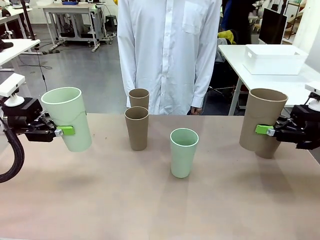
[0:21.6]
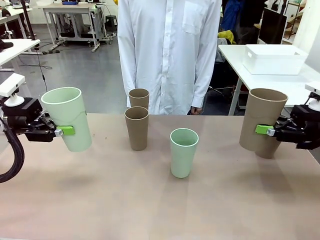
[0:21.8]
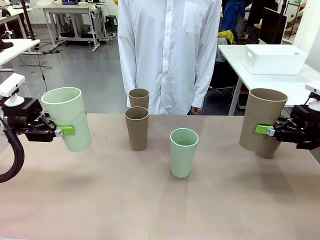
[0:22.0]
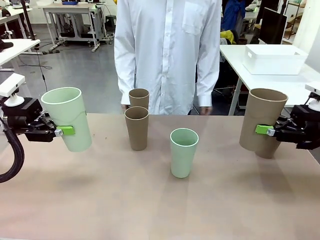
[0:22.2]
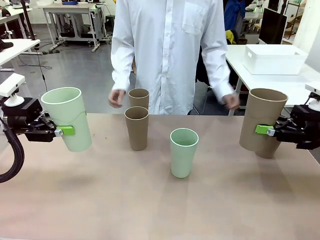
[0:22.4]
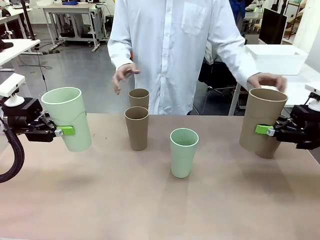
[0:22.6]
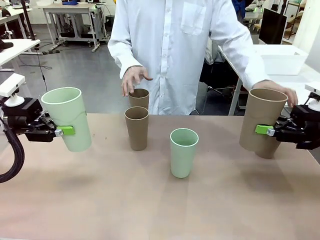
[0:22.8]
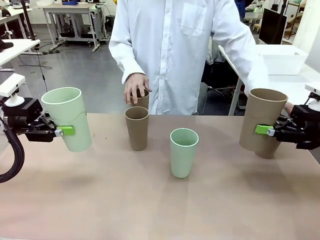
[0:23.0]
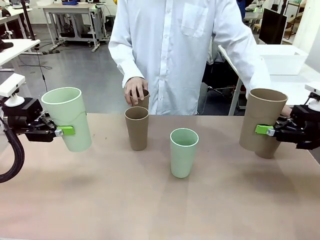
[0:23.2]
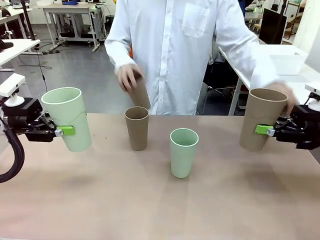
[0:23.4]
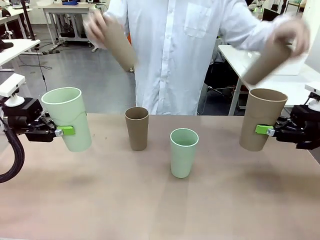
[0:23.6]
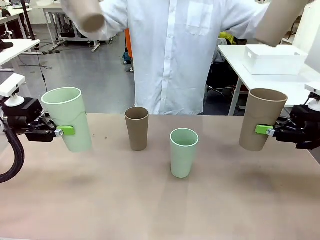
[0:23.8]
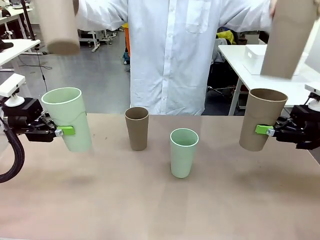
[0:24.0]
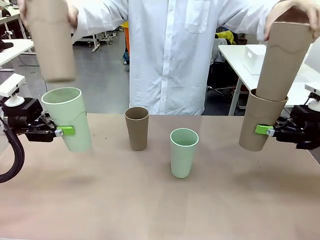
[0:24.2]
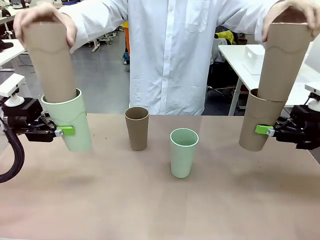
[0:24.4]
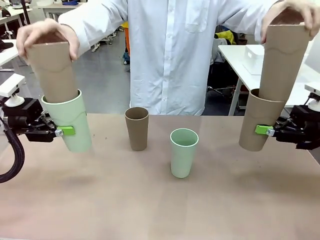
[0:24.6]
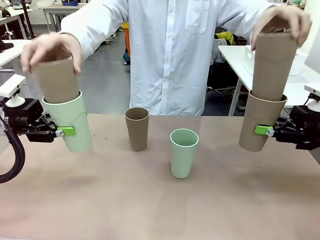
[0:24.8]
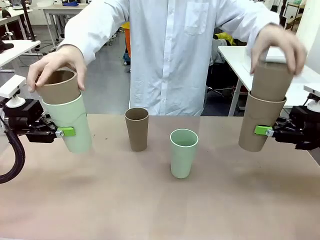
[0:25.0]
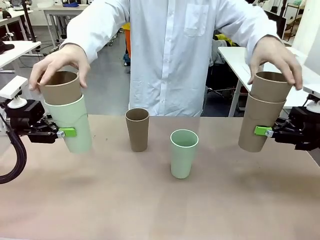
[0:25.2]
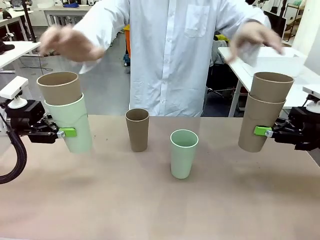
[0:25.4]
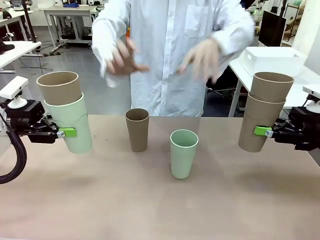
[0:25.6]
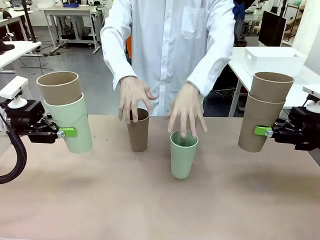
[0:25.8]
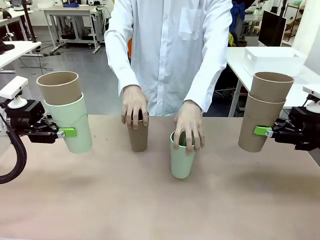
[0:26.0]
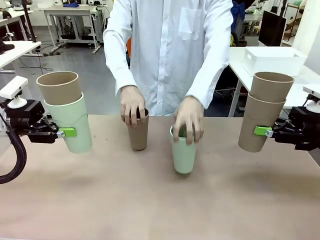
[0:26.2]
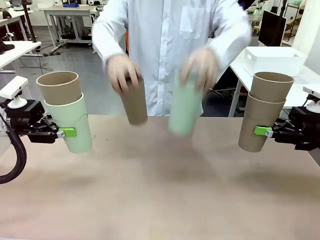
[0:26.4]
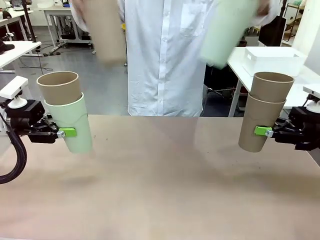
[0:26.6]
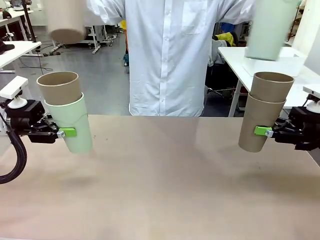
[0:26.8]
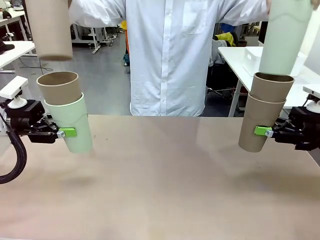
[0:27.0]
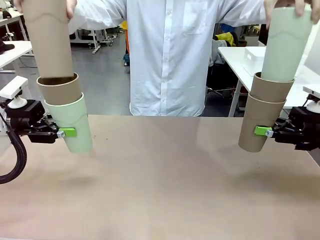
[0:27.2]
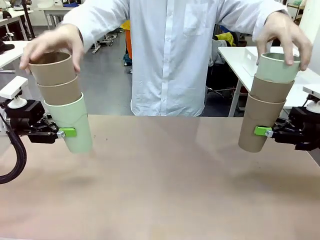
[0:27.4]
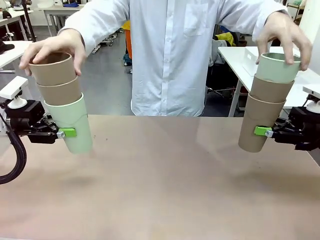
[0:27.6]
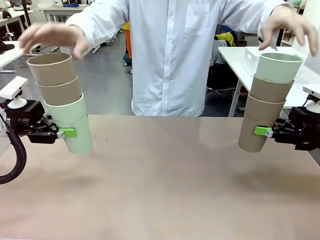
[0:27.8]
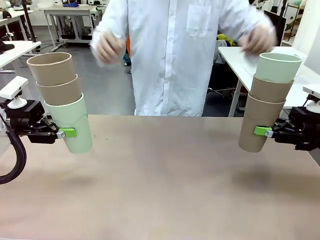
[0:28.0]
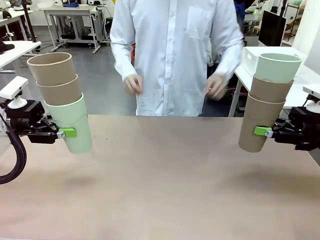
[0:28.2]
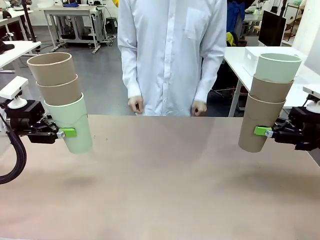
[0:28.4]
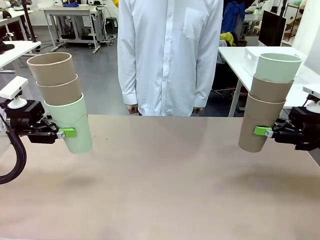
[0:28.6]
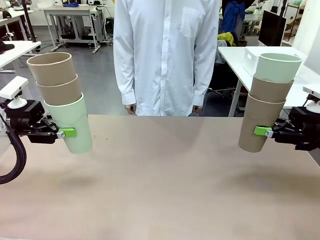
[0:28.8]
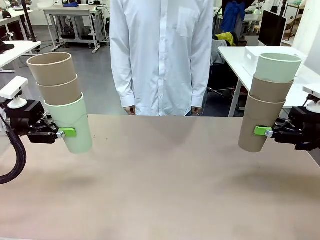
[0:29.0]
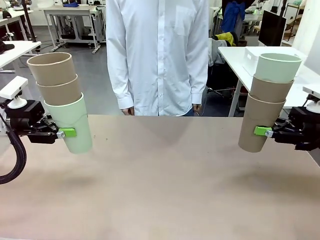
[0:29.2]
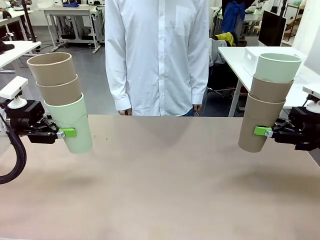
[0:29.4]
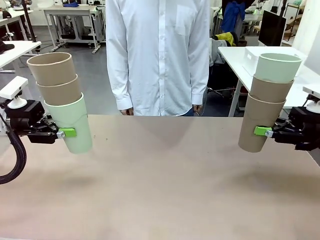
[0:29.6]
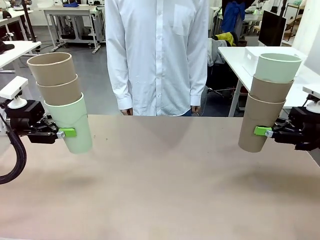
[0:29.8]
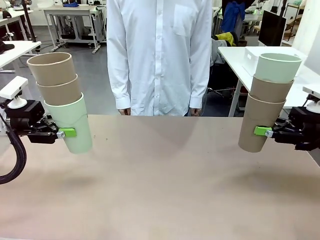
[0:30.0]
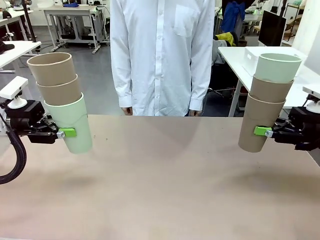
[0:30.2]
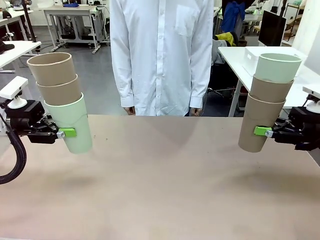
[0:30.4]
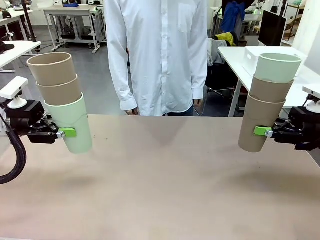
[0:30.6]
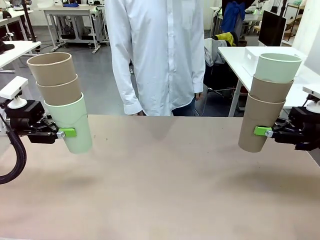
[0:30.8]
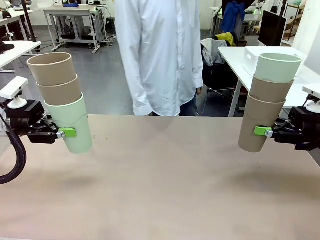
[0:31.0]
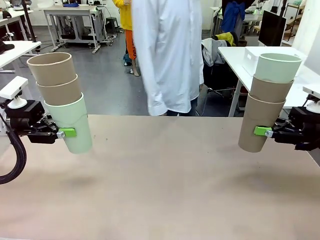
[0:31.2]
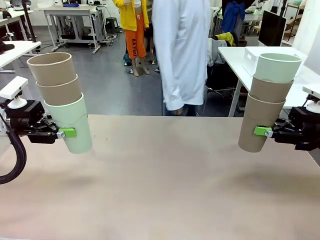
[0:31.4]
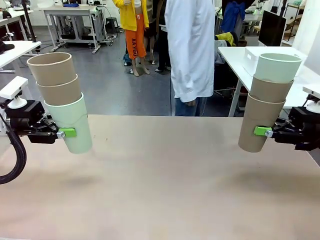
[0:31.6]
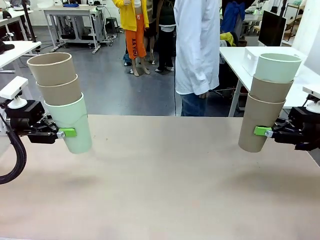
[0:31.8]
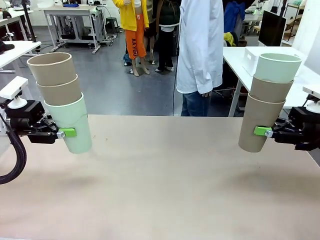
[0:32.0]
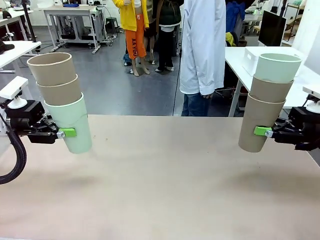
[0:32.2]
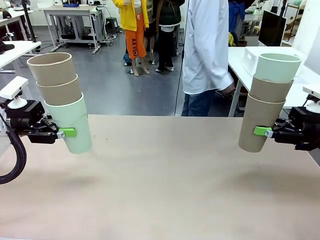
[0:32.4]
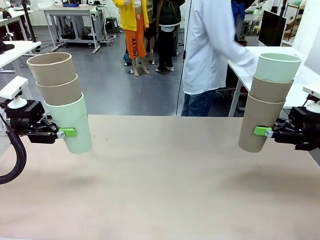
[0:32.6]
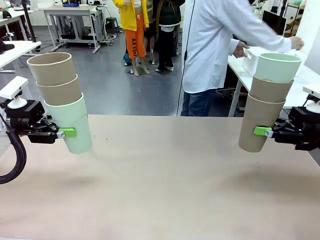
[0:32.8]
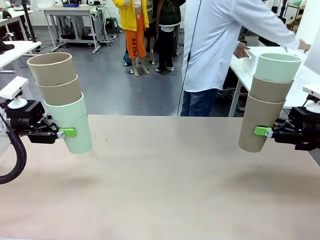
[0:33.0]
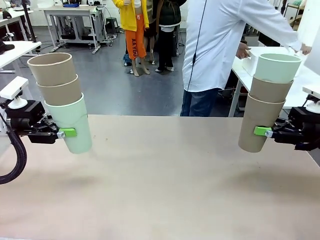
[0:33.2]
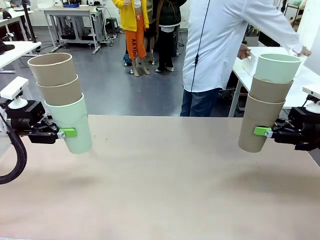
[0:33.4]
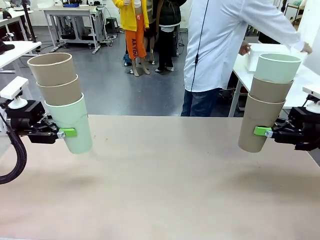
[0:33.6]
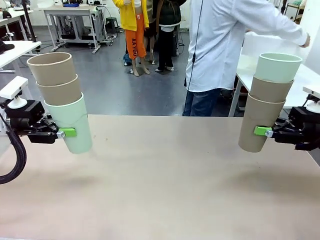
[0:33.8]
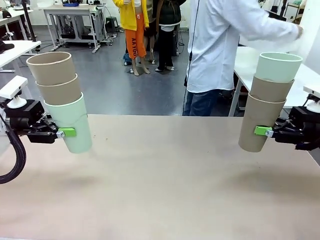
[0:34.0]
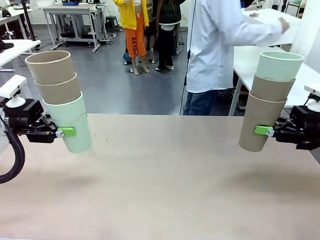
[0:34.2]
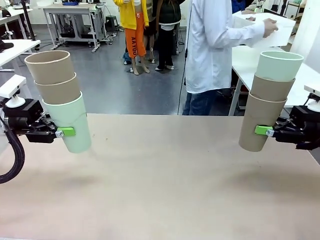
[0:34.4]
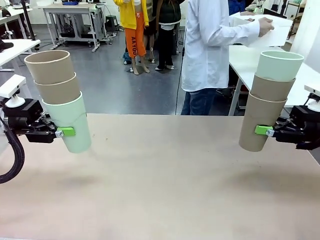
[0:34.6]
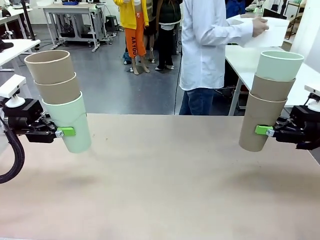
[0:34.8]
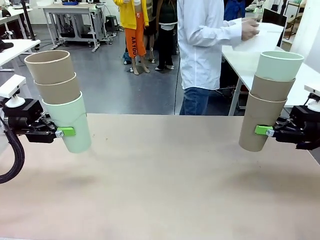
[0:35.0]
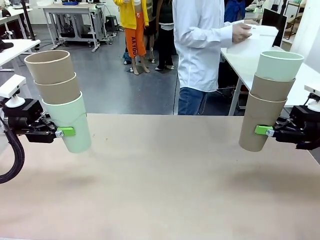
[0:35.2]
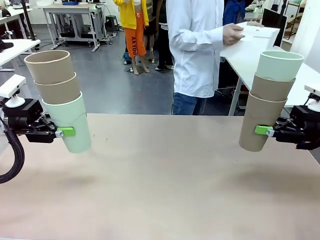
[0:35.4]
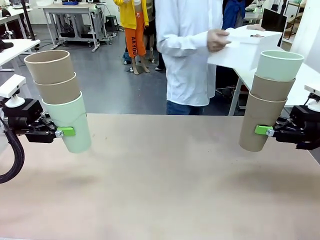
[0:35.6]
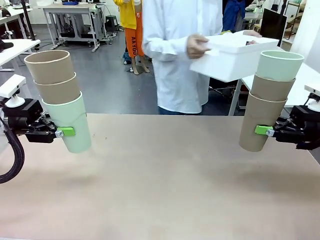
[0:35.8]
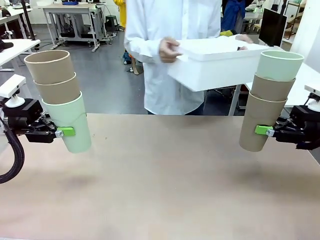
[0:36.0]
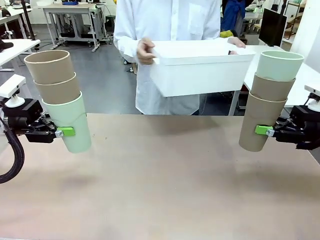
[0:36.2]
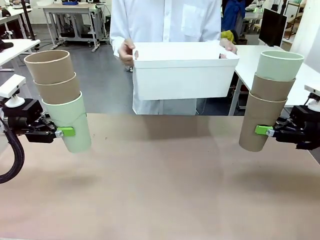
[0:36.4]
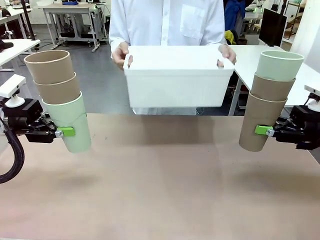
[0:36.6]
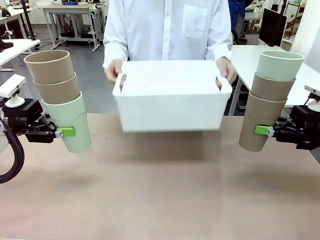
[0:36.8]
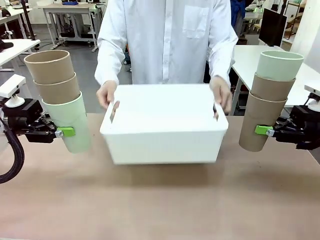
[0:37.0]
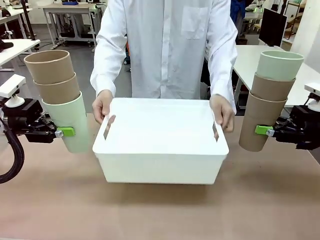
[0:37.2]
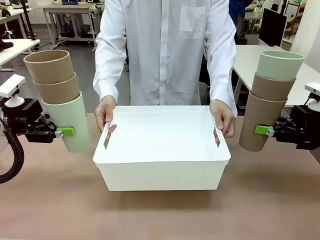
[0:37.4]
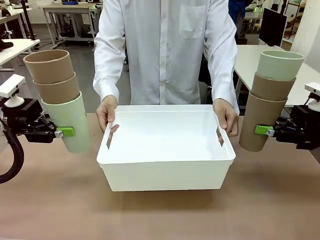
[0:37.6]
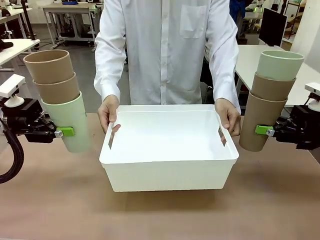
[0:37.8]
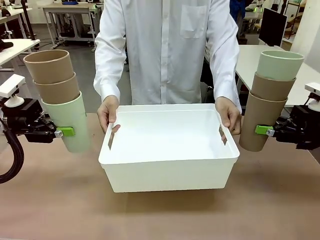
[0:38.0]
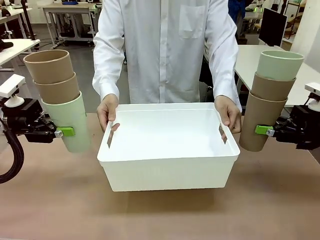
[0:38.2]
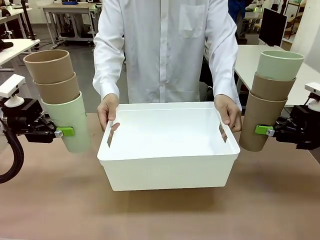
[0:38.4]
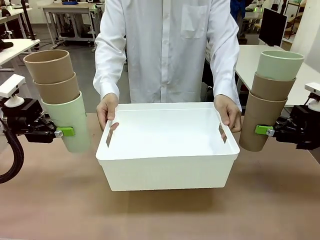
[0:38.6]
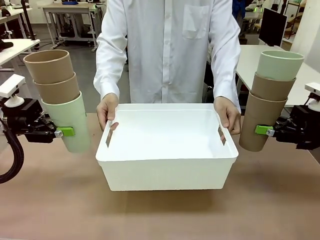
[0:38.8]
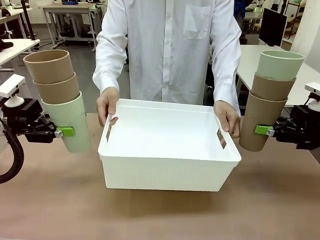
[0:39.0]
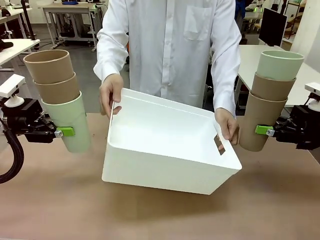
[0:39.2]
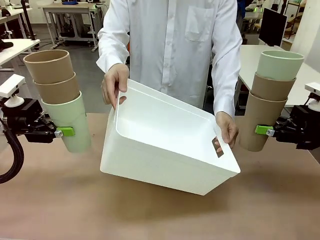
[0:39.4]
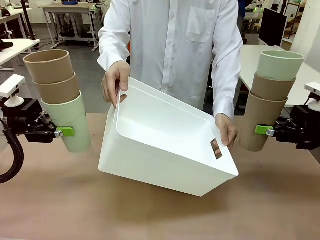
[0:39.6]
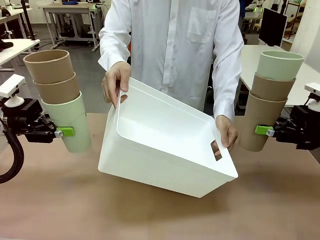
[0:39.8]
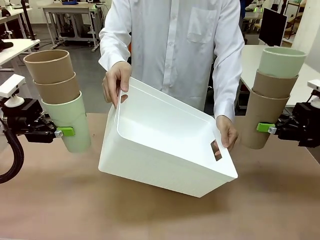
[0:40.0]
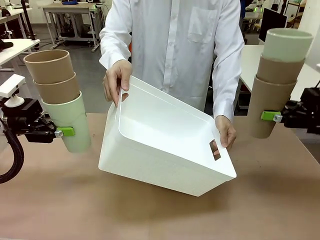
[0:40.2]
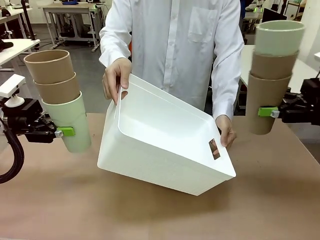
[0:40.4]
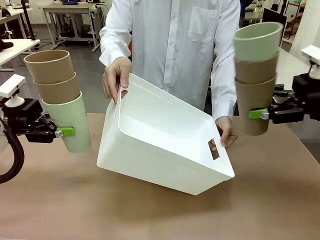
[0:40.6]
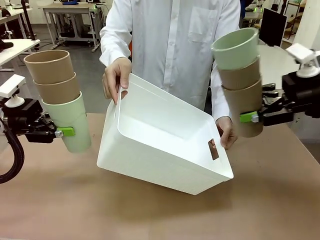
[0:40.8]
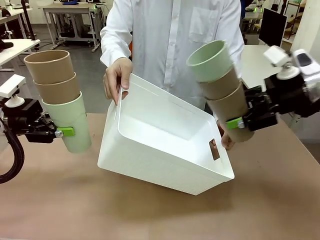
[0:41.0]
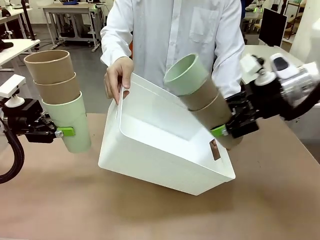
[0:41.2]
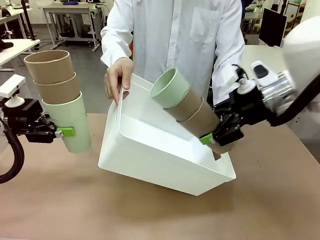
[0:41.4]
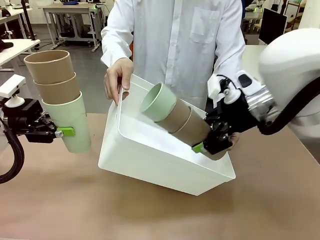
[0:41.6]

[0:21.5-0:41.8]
Task: Stack the cups and store them in the basket.
Robot: Place the stack of Reusable plastic cups into the Pantry Basket.
Person: Pick up the basket from the Human Table, bring it to the front of the robot, and present it.
